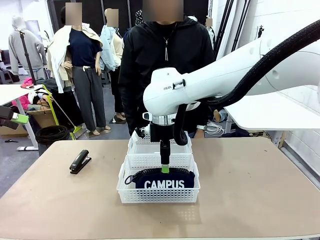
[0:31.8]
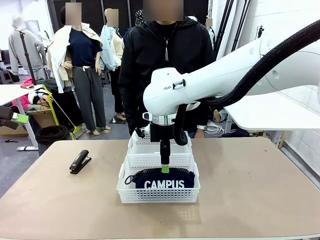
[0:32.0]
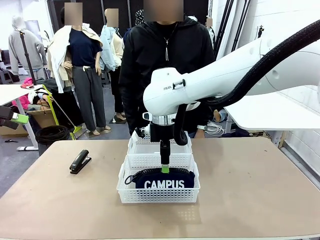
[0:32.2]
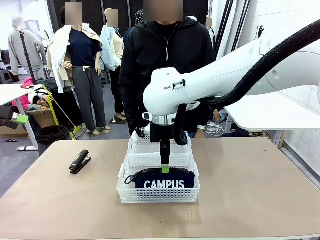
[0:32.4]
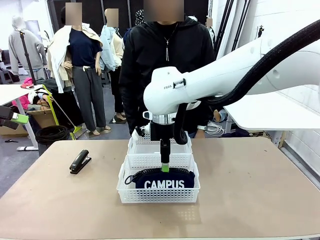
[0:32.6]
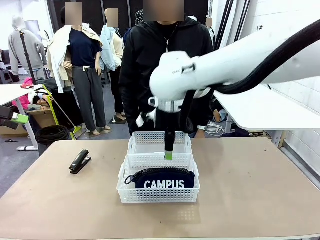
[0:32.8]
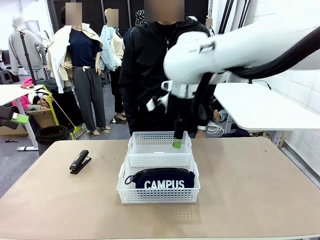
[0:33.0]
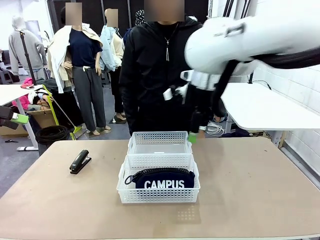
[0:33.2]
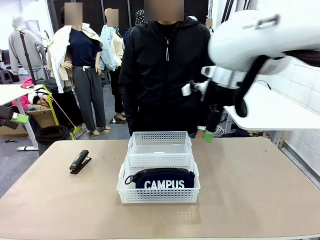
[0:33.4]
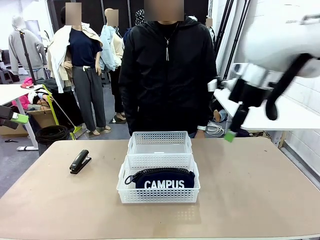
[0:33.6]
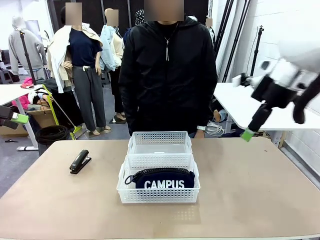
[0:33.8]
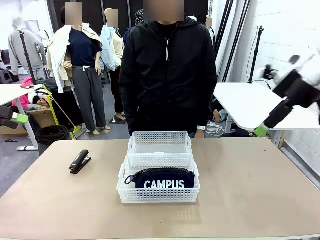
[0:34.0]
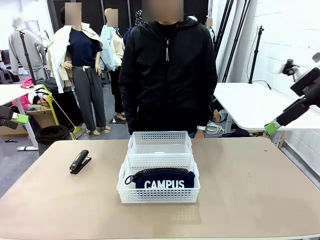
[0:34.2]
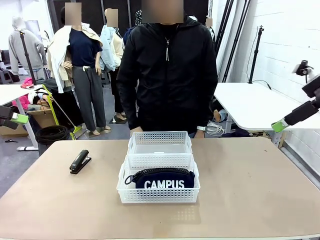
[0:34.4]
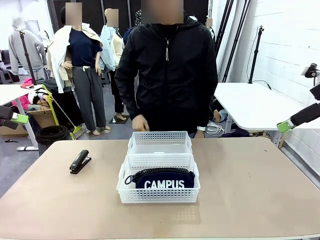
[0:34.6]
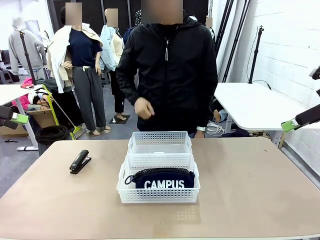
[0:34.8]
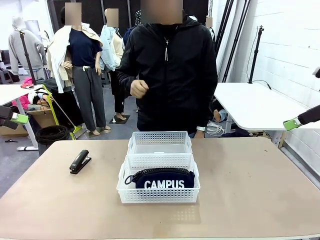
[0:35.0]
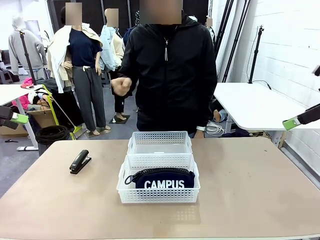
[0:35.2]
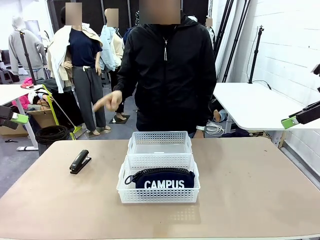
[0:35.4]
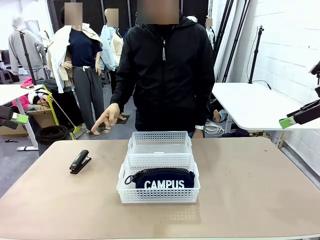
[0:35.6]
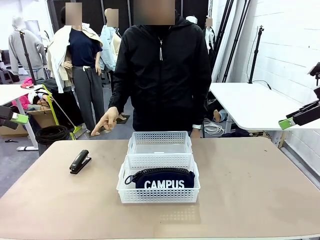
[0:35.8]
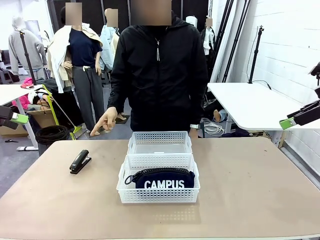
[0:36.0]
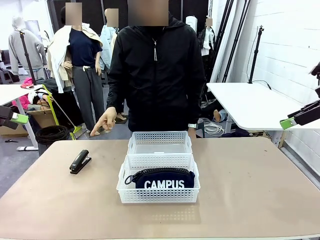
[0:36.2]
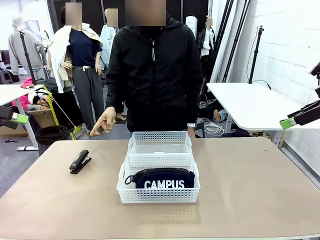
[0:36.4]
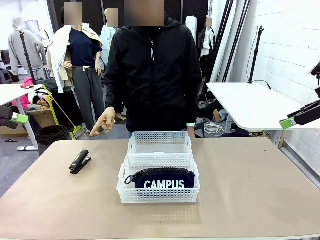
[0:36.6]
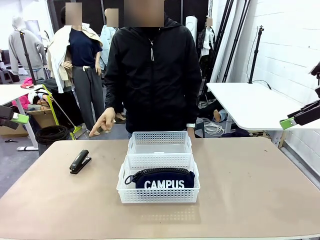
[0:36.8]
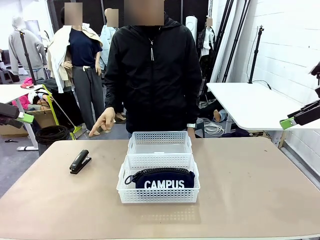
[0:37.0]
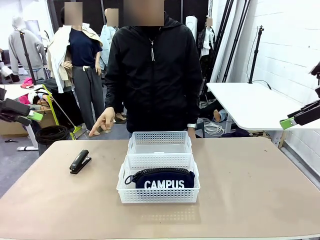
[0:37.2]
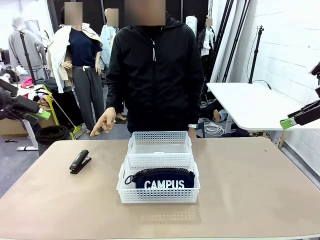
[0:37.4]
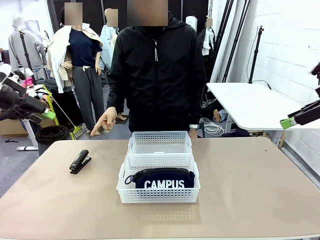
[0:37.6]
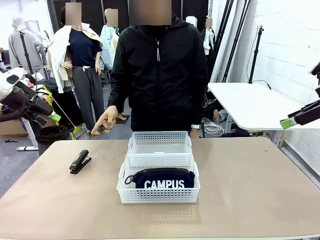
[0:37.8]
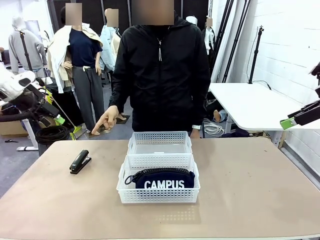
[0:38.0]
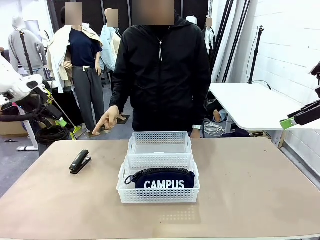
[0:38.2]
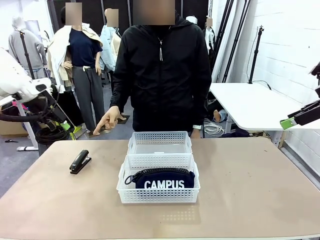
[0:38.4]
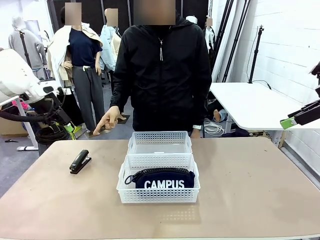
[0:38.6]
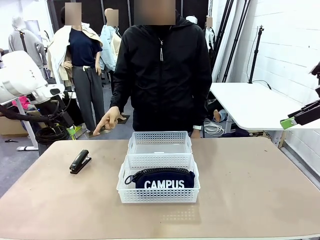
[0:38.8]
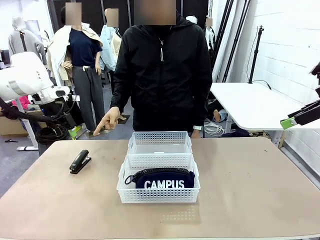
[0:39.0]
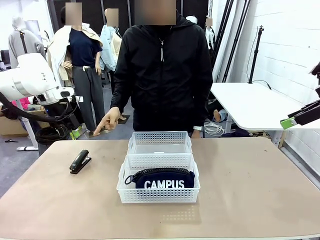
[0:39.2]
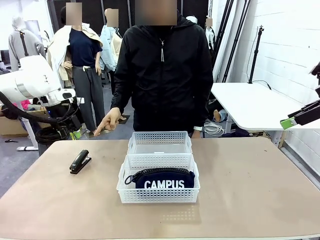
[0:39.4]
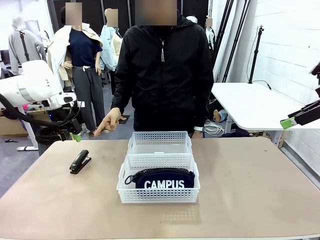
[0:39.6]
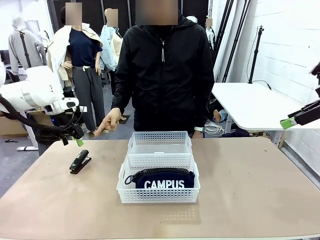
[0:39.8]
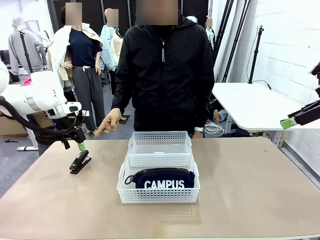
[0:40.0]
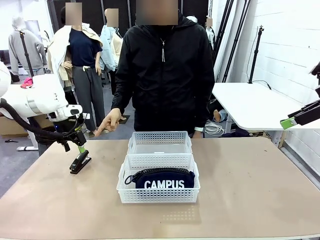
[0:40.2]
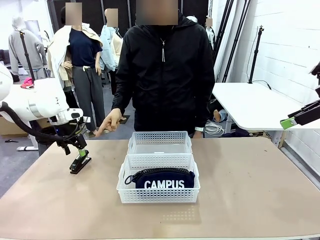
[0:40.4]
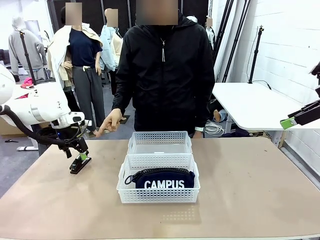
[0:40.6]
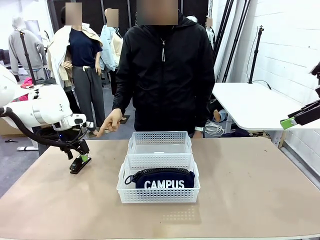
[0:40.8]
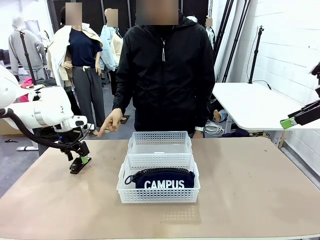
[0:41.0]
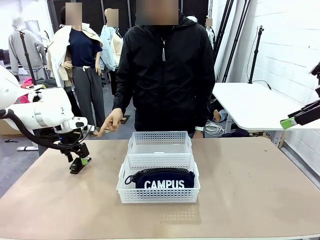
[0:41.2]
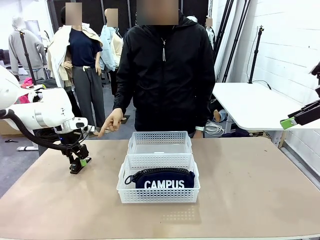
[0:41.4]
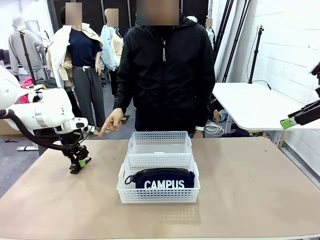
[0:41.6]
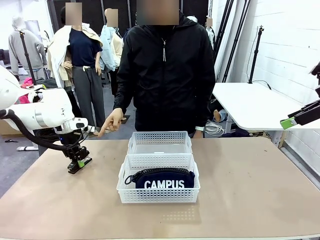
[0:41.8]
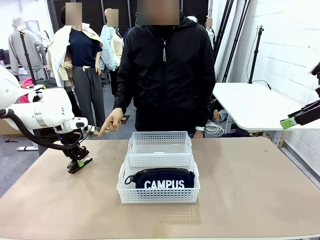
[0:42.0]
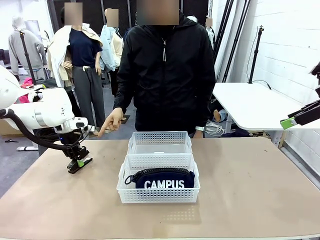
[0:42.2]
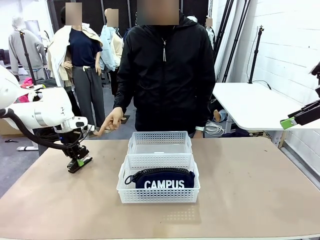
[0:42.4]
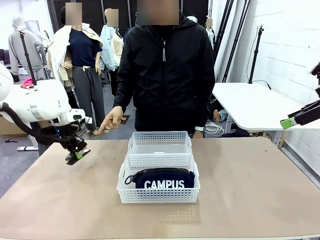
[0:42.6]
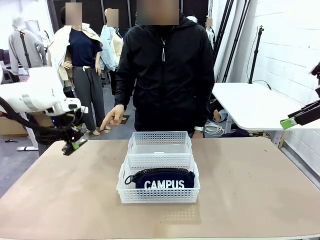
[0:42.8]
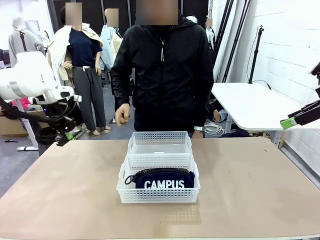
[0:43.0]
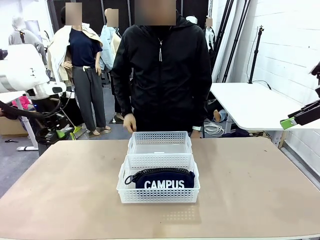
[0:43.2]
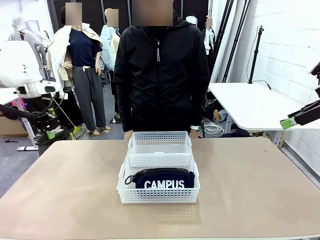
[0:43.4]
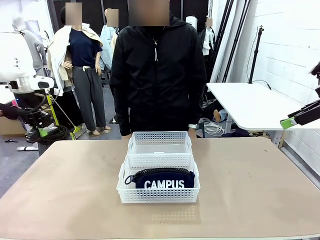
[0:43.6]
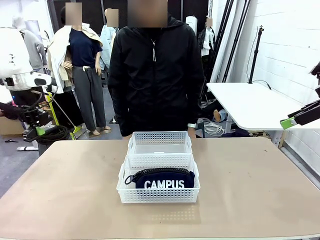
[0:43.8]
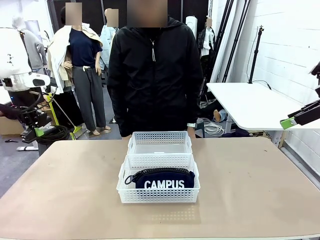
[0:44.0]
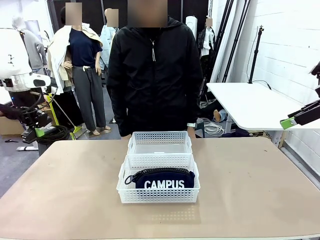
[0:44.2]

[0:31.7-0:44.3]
Task: Distribute items into two baskets.
Robot: Pick up the Stapler that the person points to.

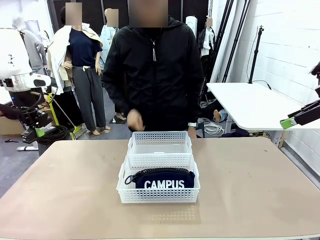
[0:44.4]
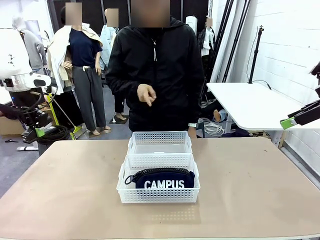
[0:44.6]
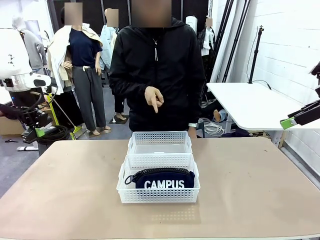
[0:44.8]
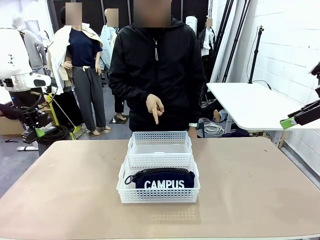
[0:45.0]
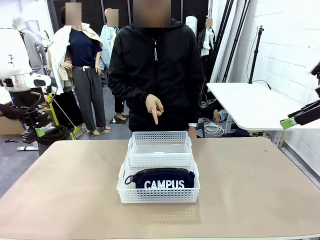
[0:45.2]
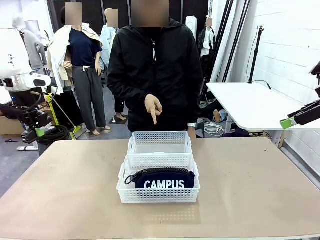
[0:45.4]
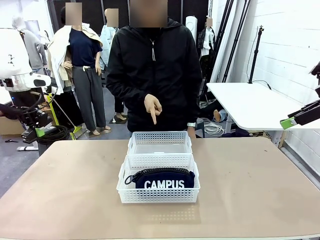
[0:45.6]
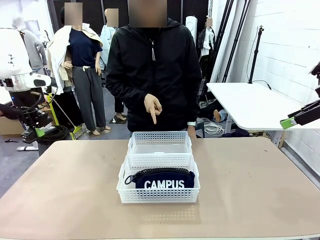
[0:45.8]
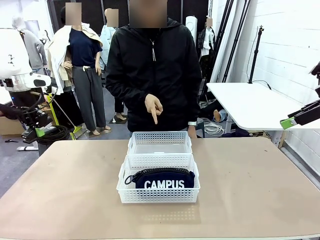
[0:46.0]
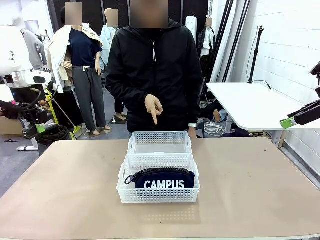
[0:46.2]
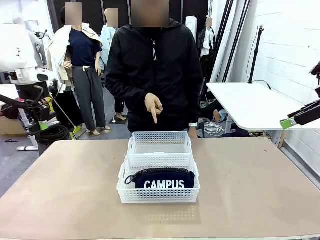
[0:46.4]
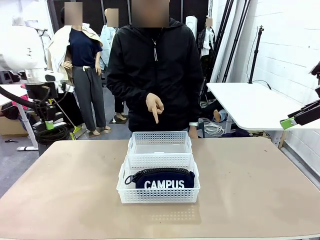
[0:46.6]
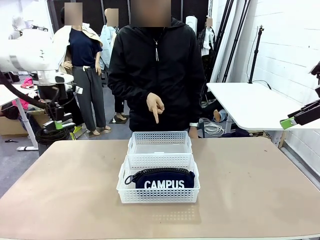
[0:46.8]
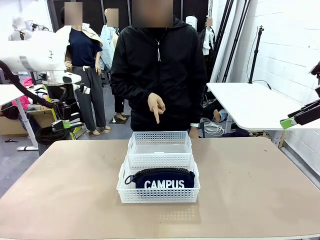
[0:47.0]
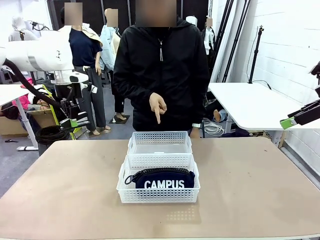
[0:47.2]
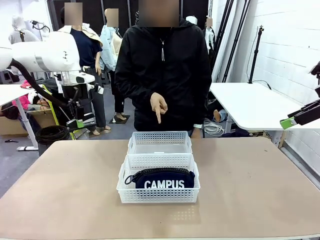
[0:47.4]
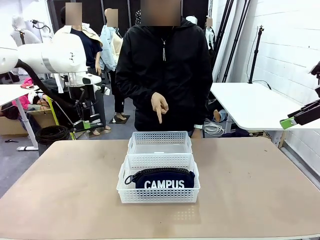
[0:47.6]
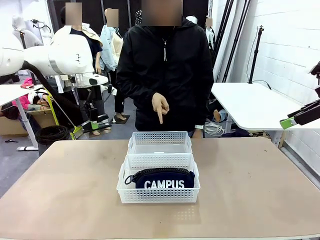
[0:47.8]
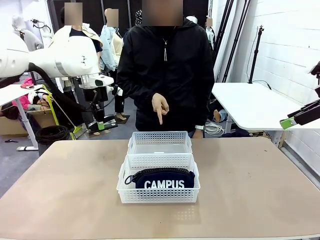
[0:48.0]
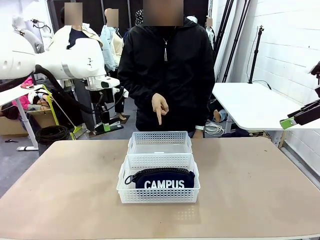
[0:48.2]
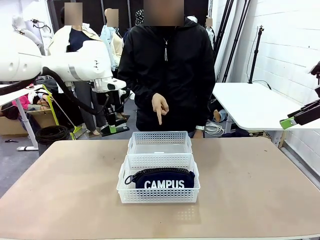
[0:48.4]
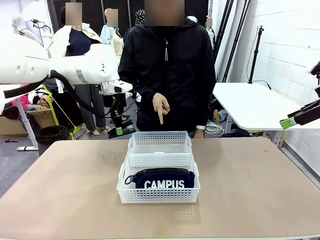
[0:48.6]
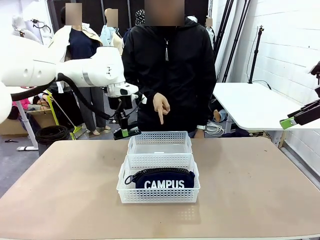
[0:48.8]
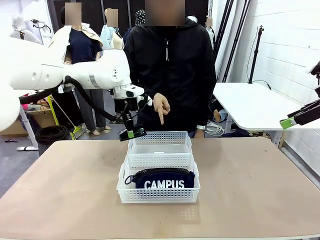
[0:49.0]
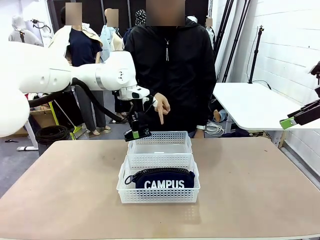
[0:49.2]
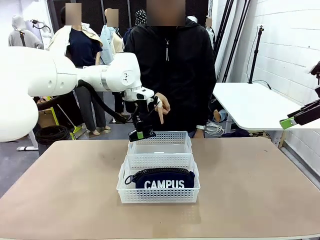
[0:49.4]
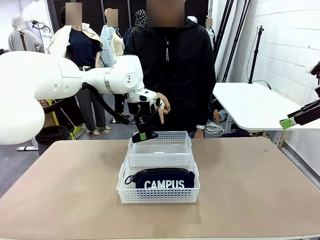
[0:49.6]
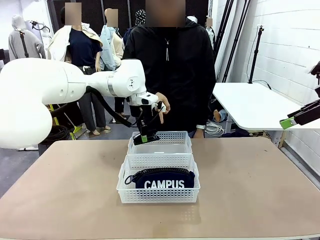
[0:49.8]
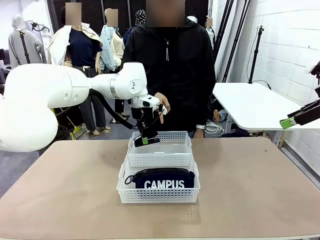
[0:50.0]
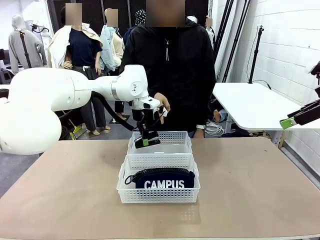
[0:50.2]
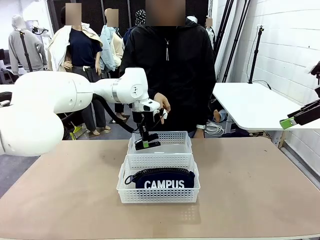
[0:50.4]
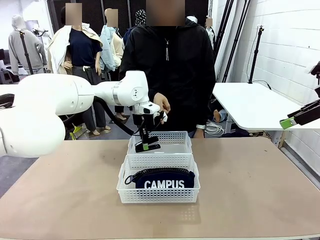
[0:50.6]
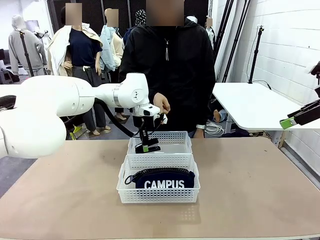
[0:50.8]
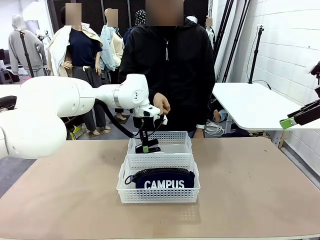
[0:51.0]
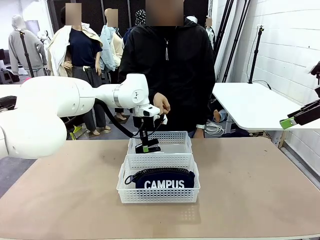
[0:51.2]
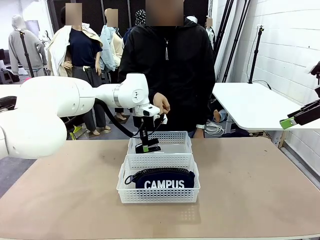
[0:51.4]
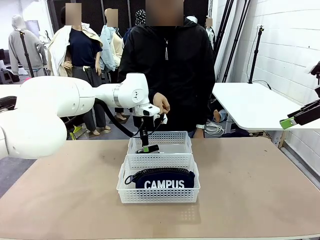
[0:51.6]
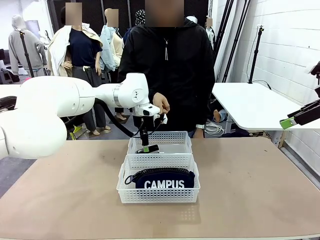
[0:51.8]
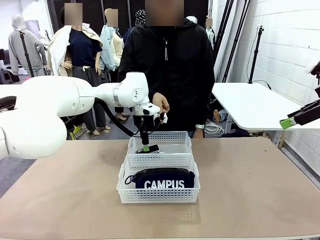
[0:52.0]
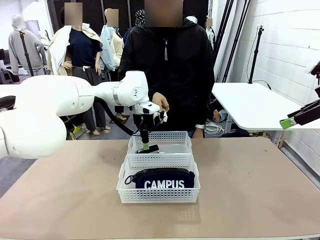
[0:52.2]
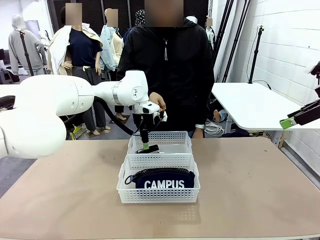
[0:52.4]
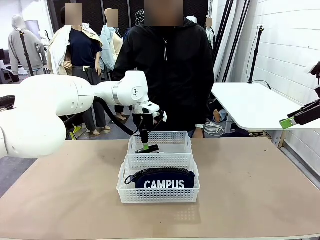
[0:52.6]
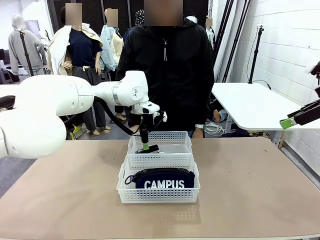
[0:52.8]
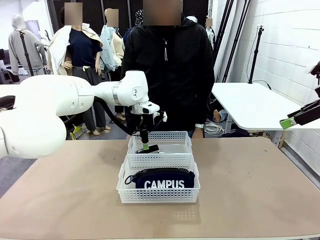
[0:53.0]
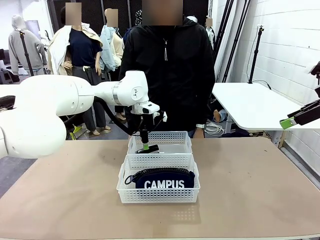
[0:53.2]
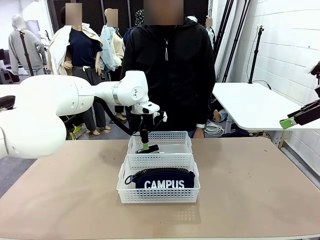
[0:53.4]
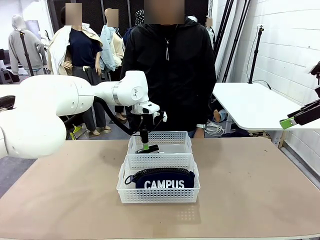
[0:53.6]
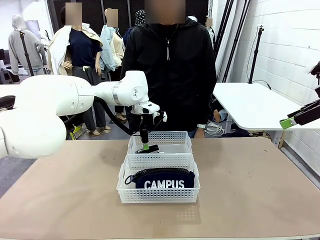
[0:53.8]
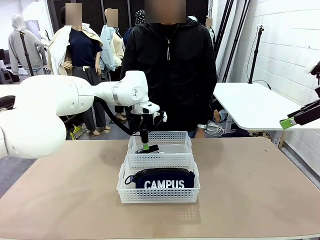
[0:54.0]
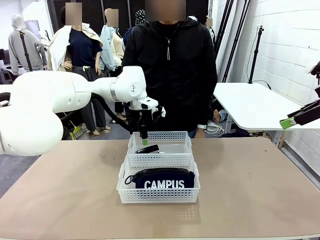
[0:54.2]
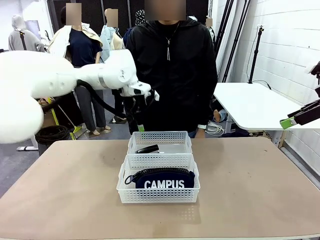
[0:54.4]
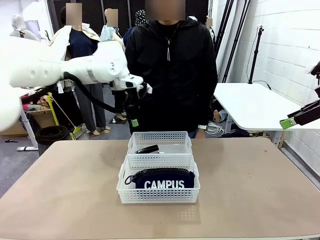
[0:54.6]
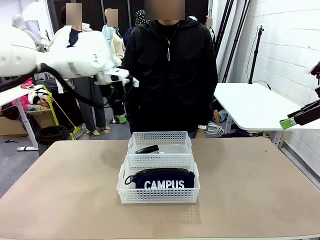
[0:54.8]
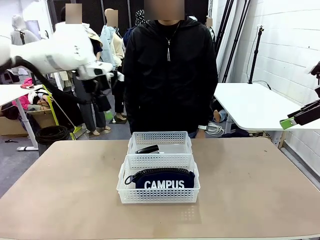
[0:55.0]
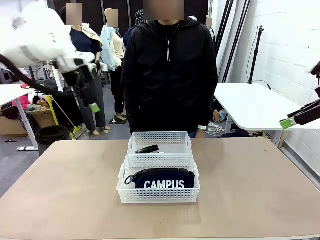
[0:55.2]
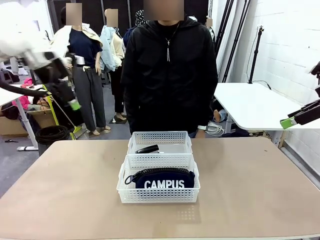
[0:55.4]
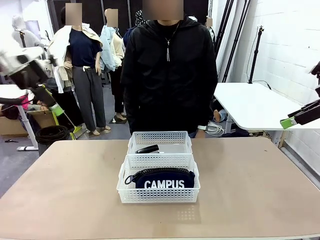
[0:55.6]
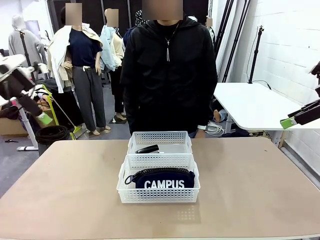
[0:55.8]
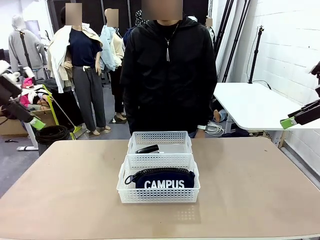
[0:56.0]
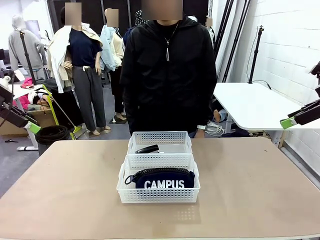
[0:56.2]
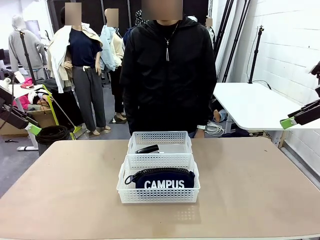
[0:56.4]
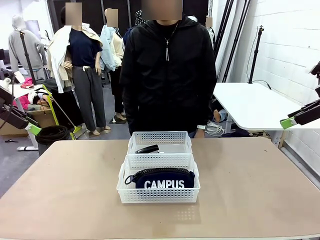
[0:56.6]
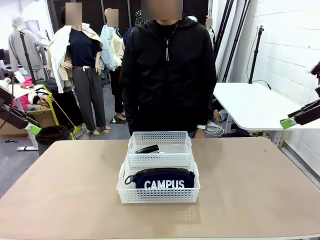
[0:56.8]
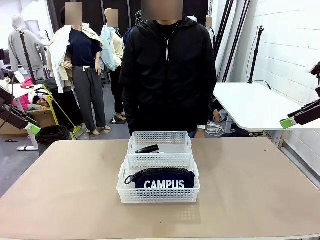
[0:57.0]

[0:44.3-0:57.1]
Robot: Place the picked Stapler into the Organizing basket as instructed by the person.
Person: Points to the basket that does not contain the pencil case and instructs the robot to move the stapler there.
